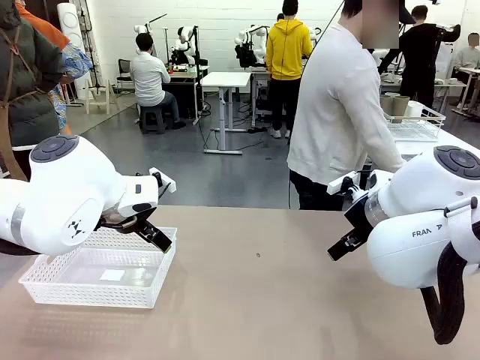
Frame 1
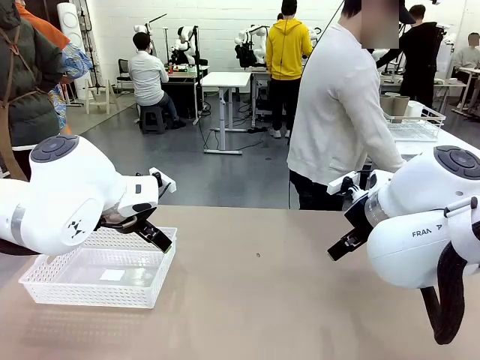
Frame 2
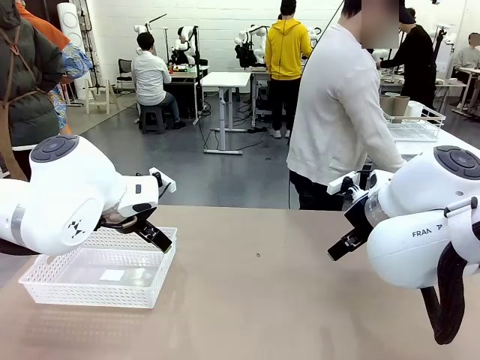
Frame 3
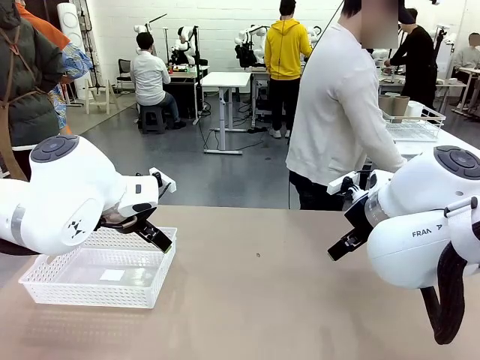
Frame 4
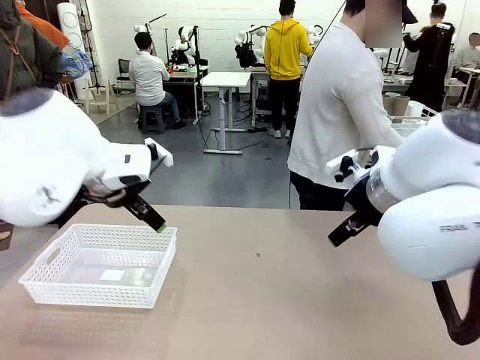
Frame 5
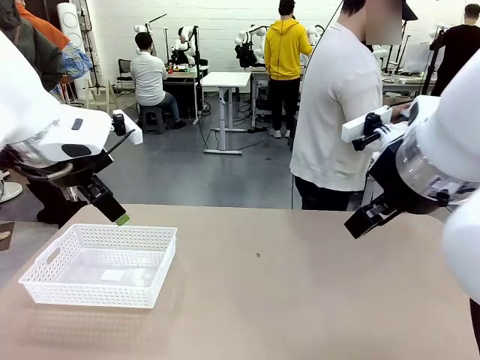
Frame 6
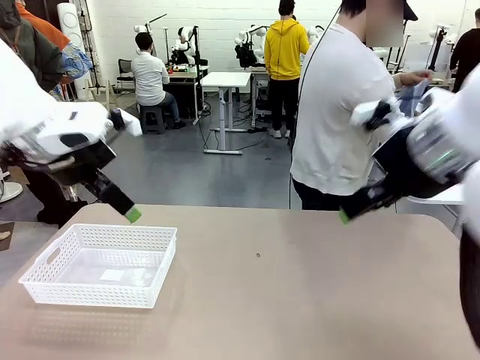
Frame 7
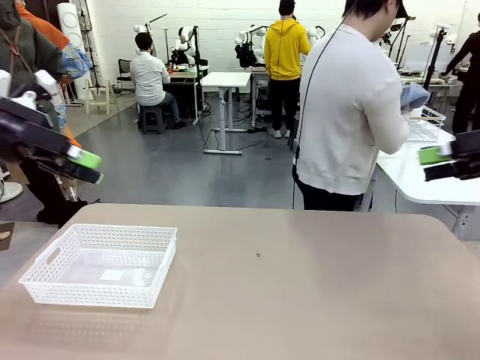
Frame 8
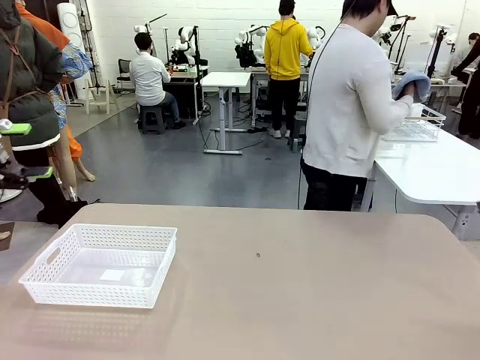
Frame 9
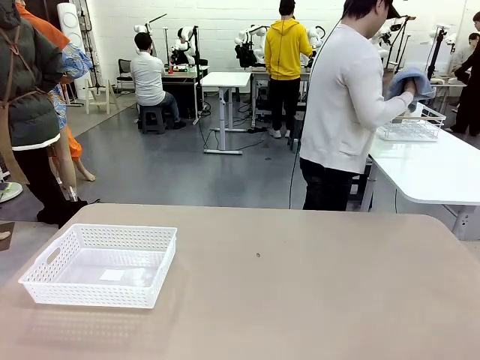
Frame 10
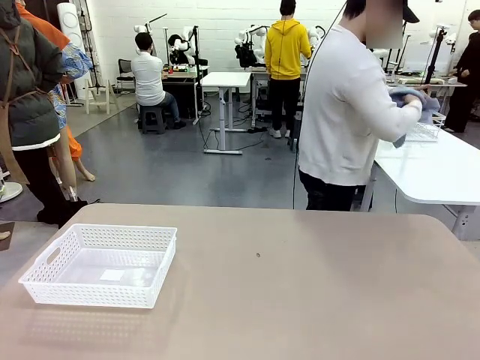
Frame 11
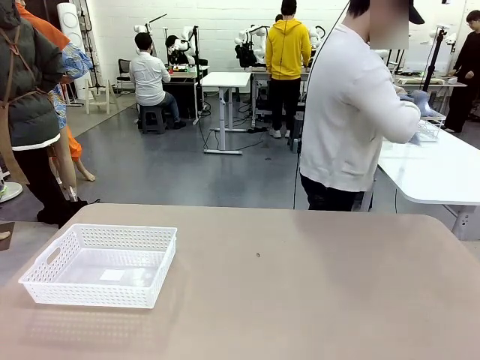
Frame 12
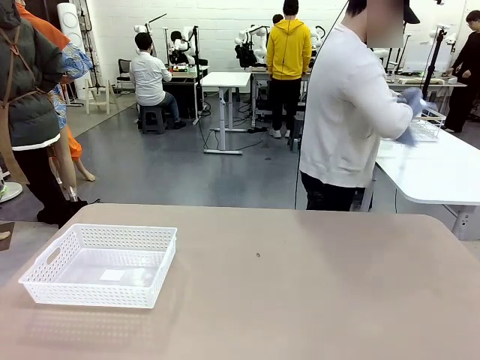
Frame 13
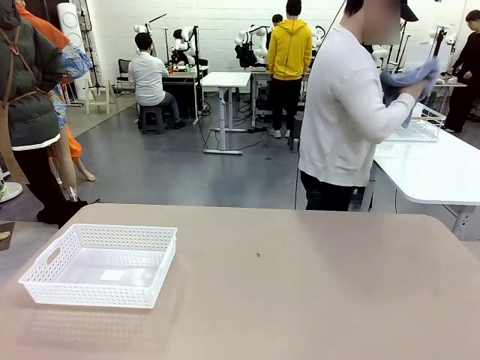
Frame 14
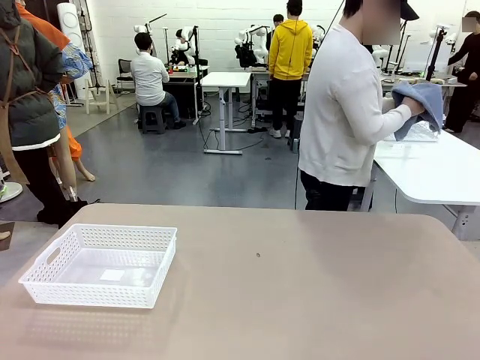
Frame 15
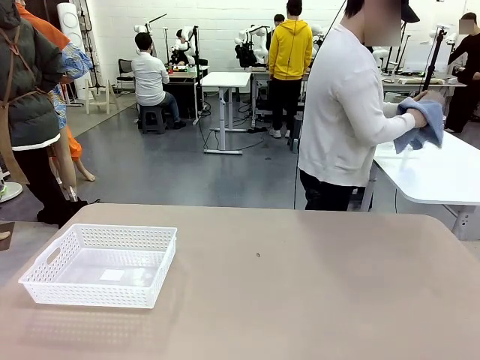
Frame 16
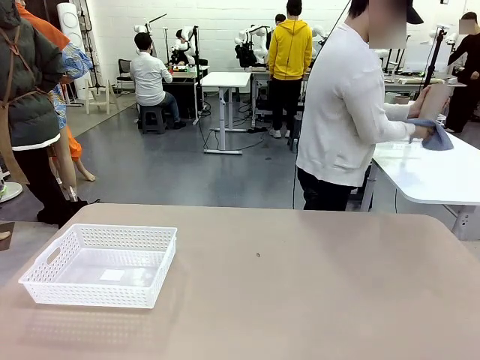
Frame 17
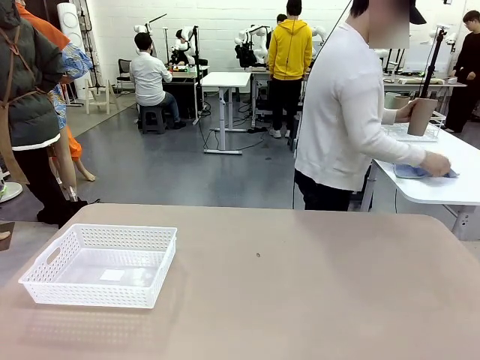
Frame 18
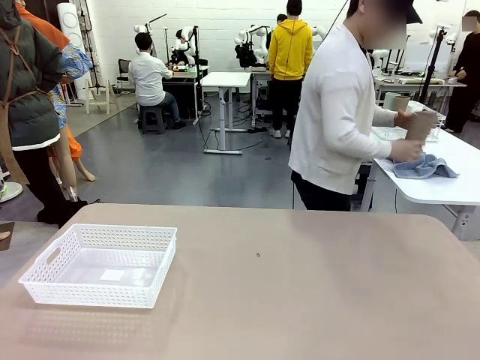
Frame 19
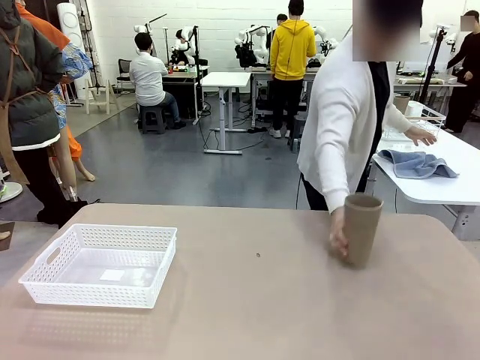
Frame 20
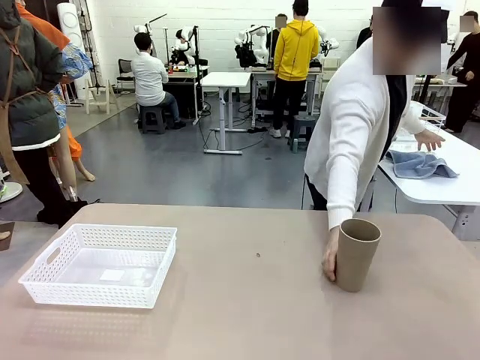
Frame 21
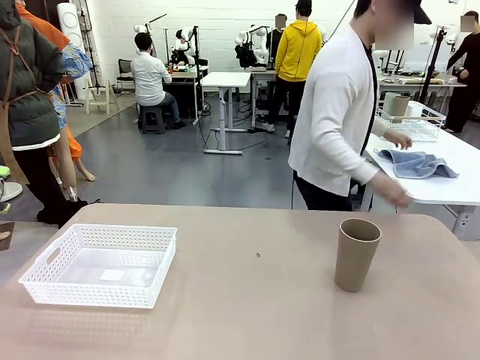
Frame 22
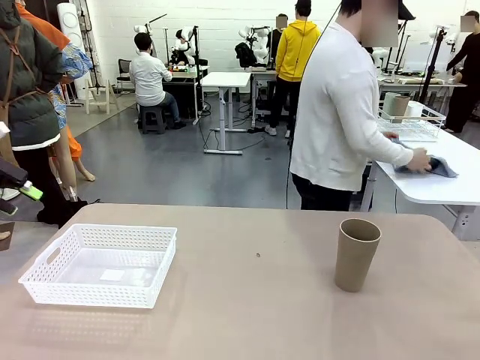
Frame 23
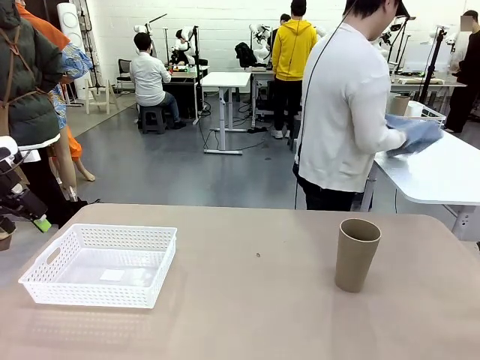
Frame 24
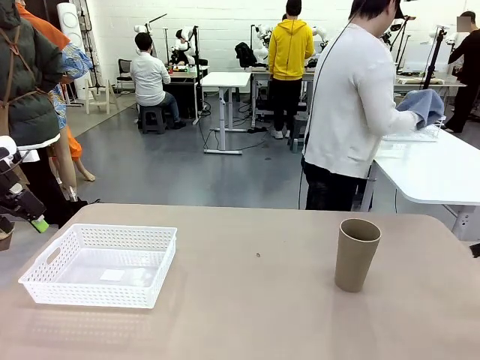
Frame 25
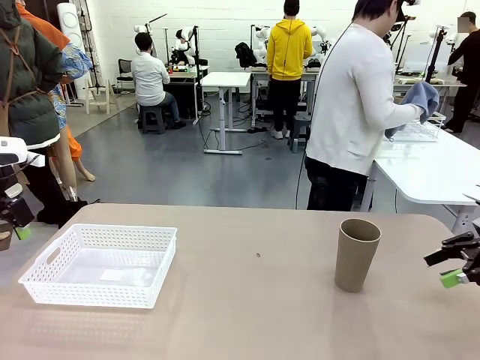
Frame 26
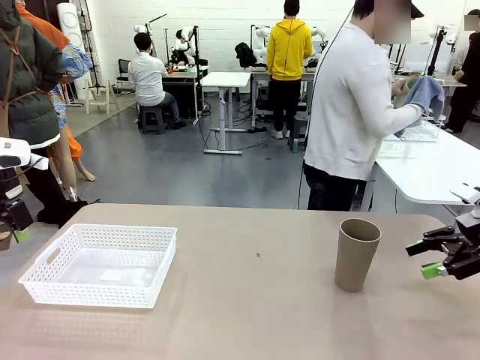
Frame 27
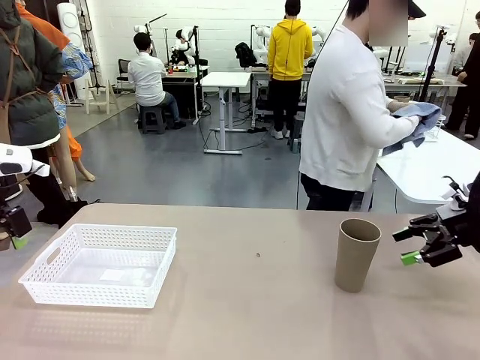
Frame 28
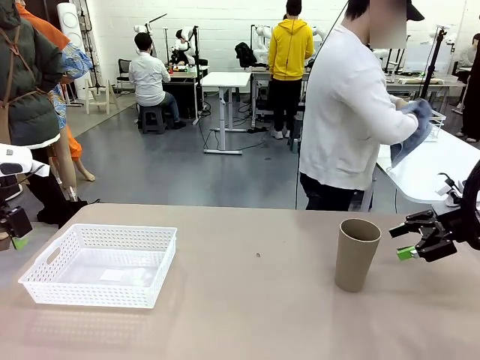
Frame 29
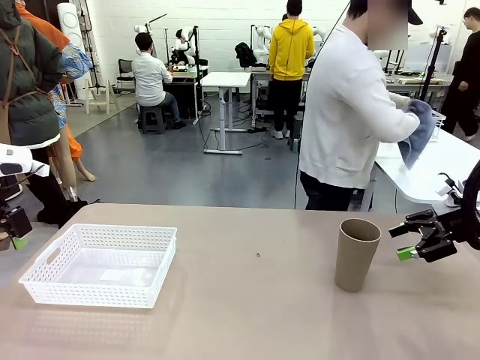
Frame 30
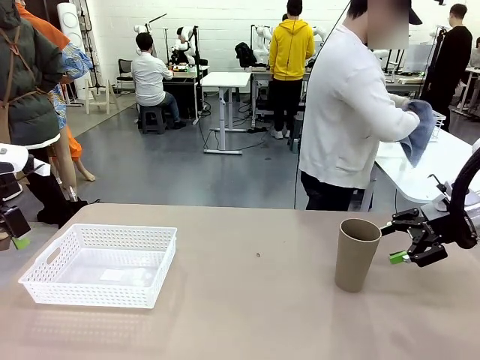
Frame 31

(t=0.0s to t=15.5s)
Task: Clean and organize the cups into the basket.
Robot: Pick up the Organizing basket and move it to the center of the table, then pick up the Reusable plastic cup from the right side of the table and place it inside the Organizing basket.
Person: Picks up a cup and a towel, cleans the cup with the towel, and places it on the left side of the robot table.

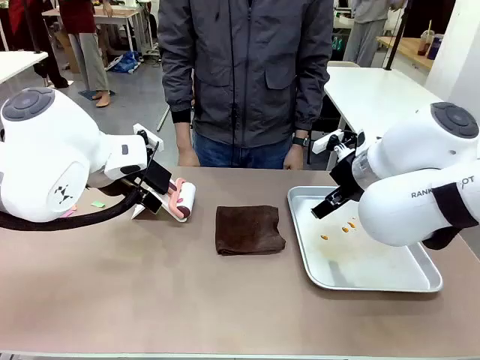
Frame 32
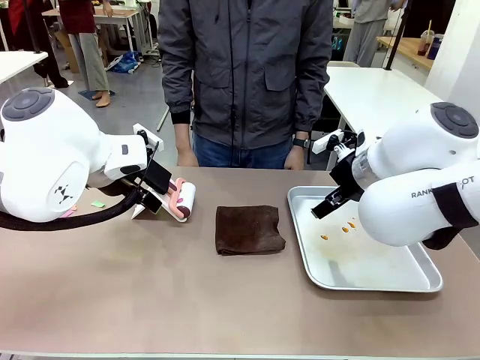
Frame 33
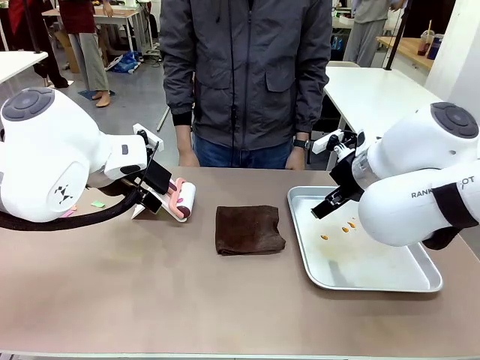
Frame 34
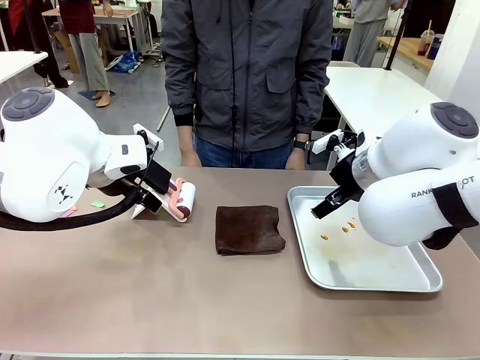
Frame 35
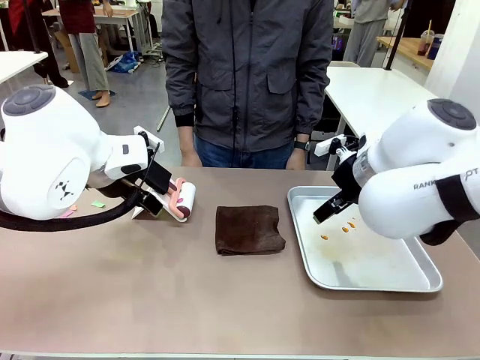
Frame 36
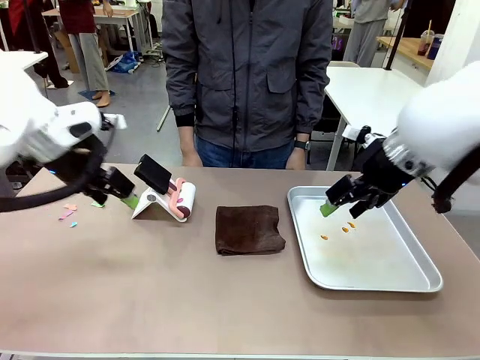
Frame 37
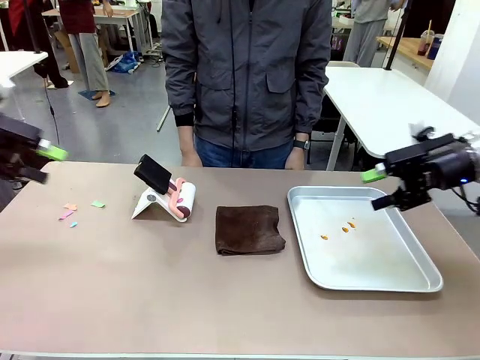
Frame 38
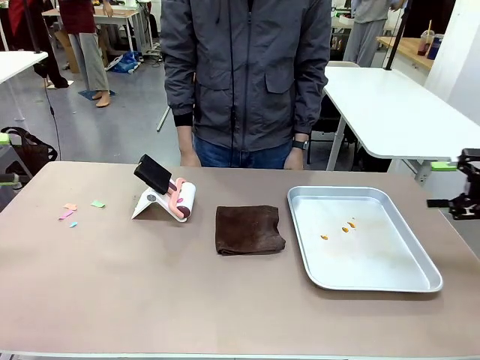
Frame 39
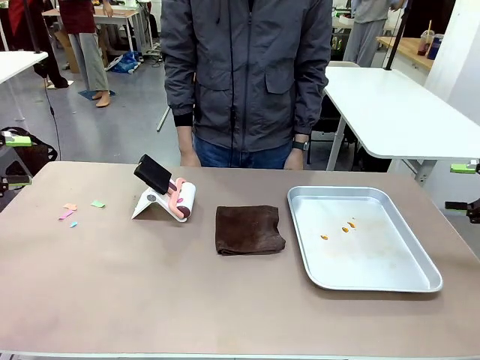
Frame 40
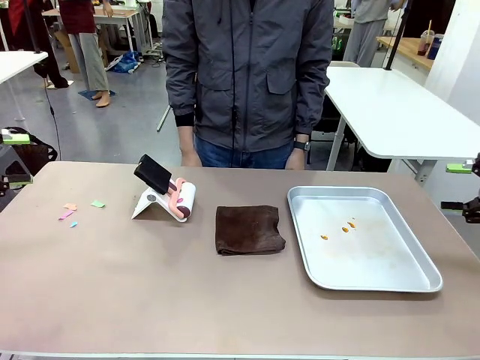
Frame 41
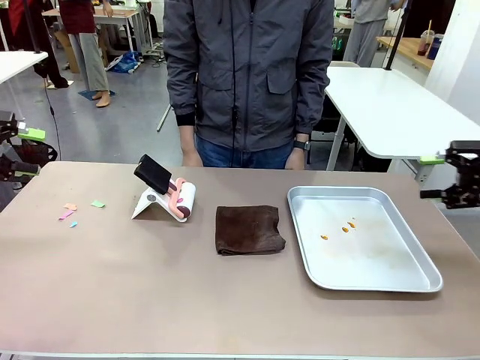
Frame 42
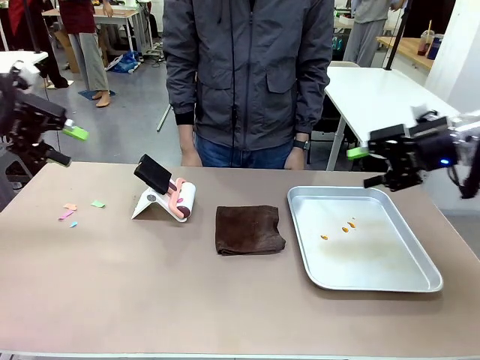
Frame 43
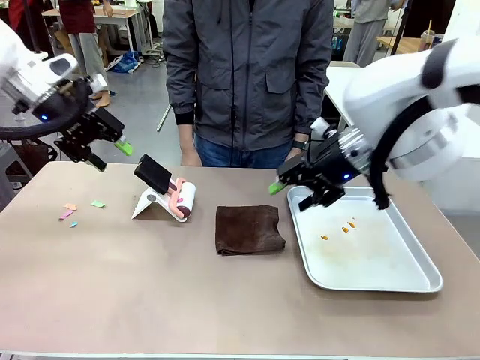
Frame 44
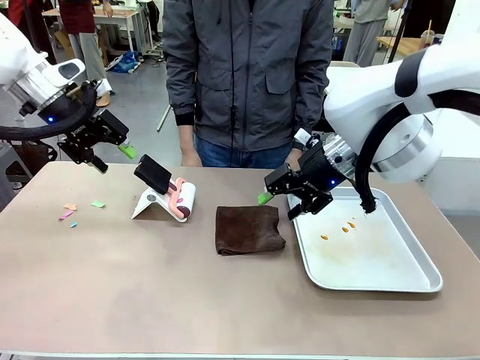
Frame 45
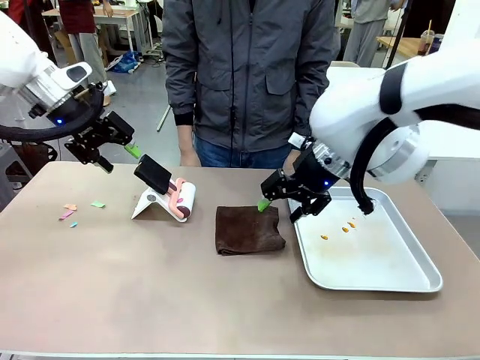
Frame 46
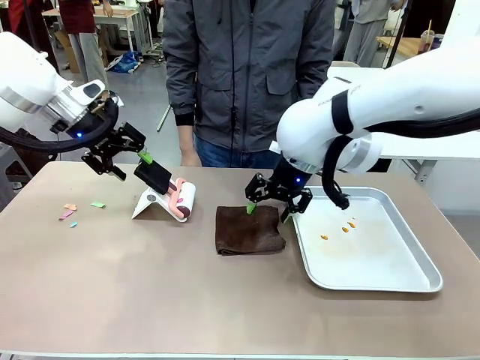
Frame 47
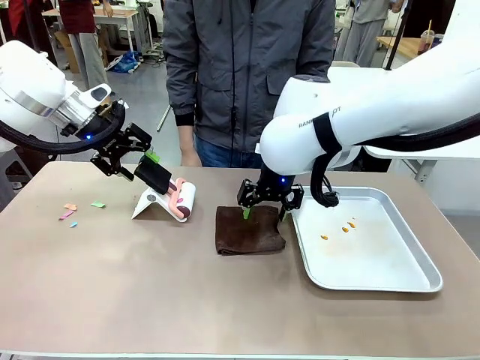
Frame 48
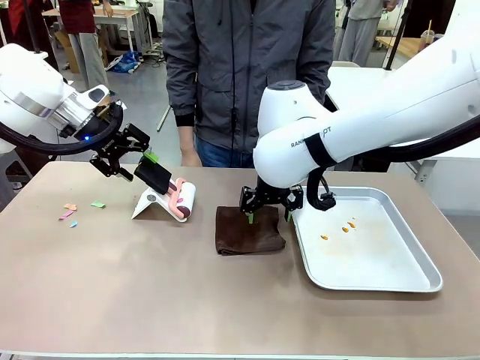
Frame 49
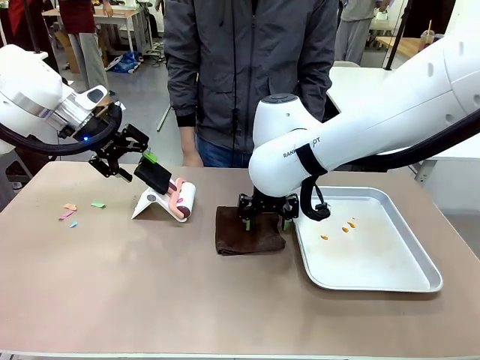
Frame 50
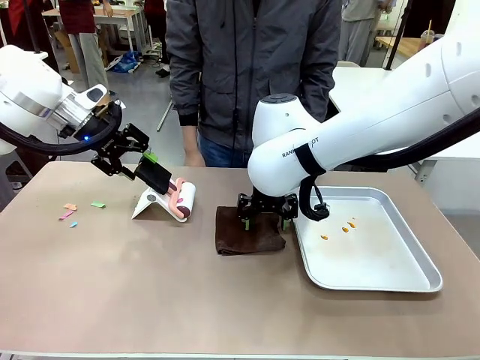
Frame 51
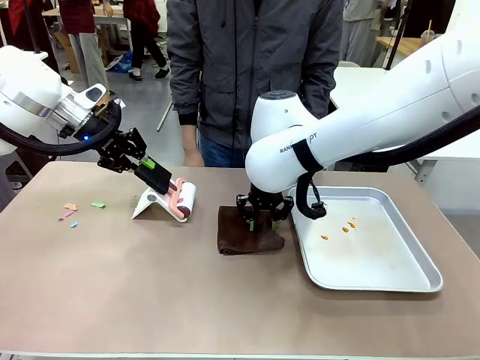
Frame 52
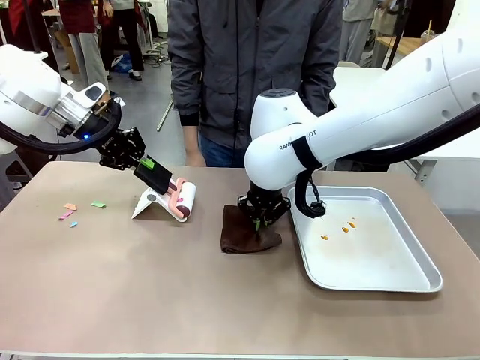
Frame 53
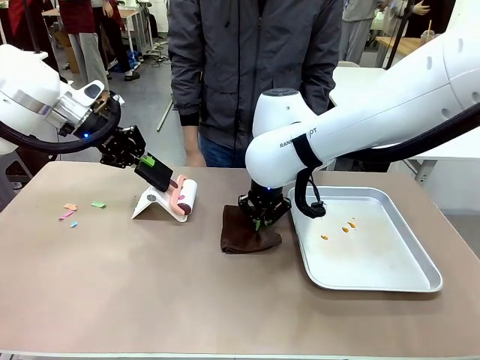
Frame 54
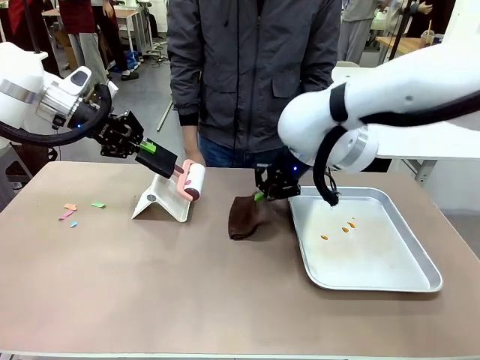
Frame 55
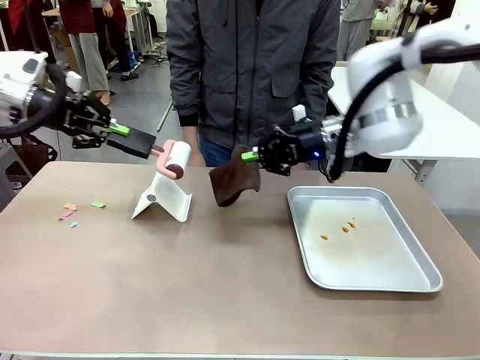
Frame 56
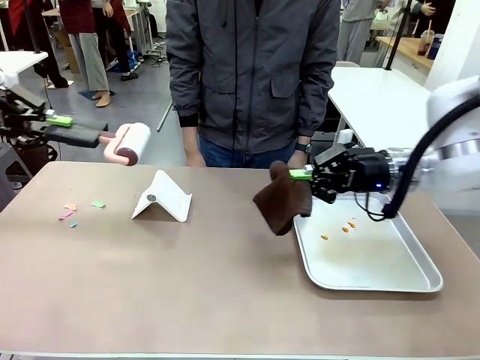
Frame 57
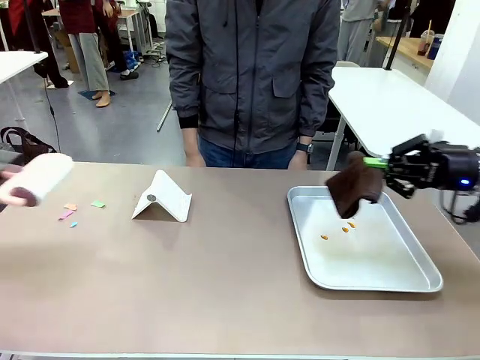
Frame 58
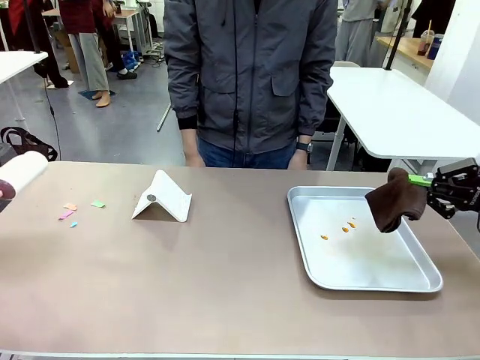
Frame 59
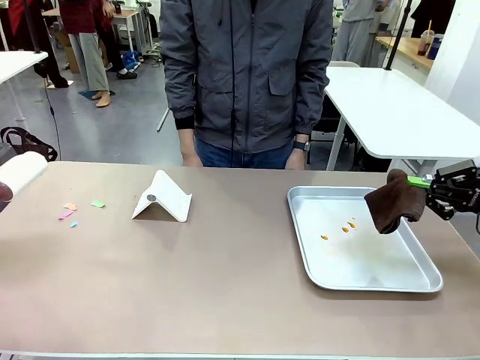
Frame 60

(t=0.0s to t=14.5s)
Task: Clean the surface of the table.
Robot: Hold the Lint Roller with your left hand and the towel with your right hand.
